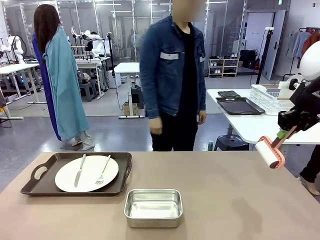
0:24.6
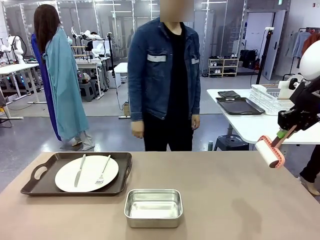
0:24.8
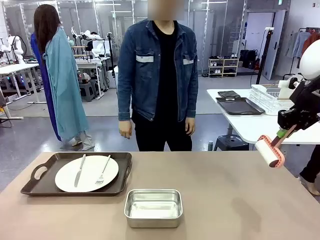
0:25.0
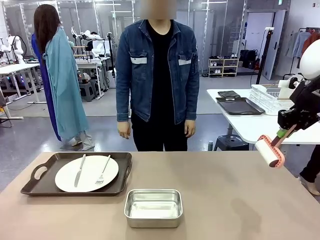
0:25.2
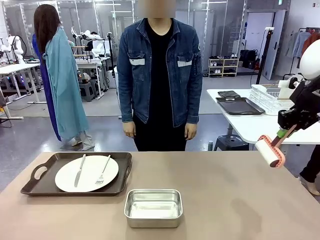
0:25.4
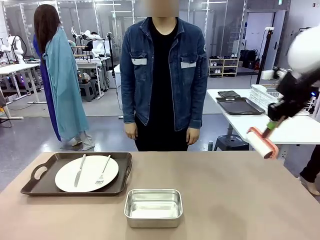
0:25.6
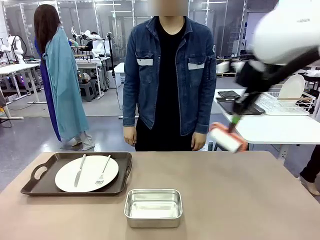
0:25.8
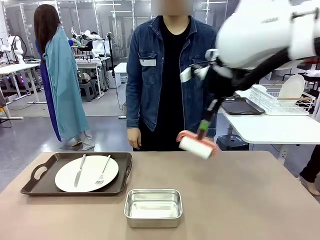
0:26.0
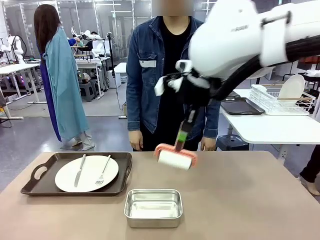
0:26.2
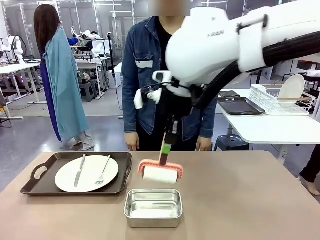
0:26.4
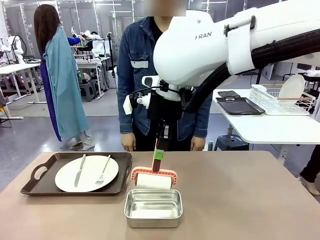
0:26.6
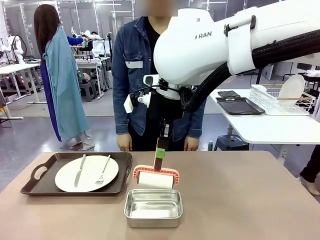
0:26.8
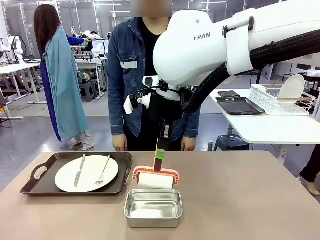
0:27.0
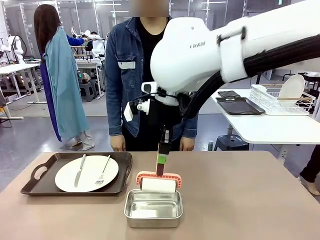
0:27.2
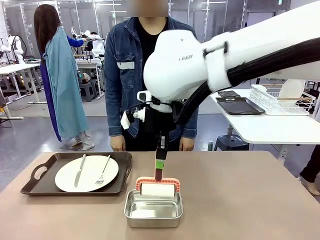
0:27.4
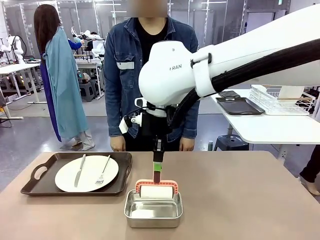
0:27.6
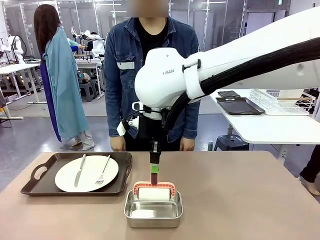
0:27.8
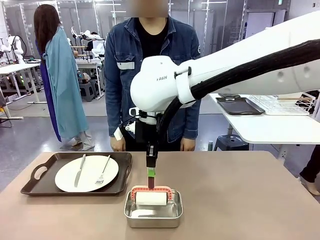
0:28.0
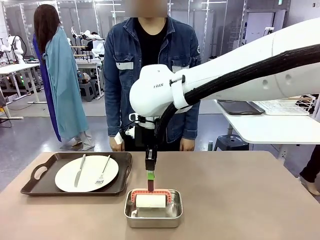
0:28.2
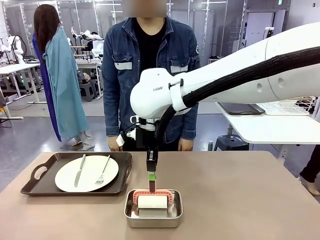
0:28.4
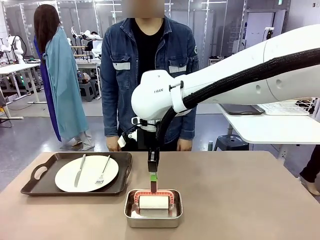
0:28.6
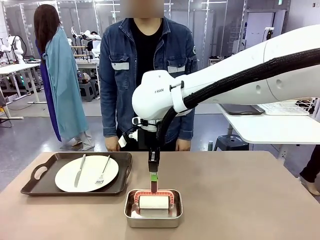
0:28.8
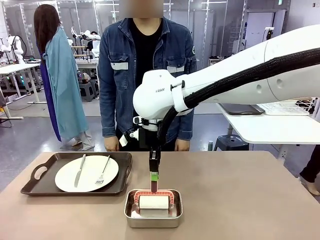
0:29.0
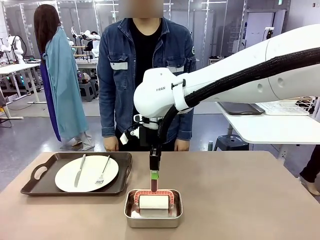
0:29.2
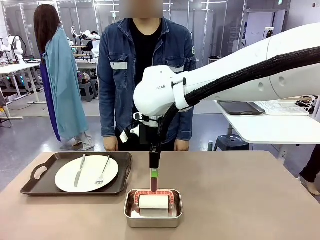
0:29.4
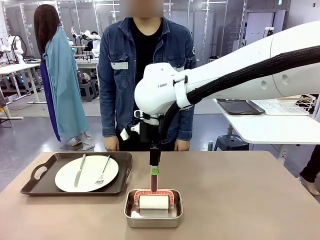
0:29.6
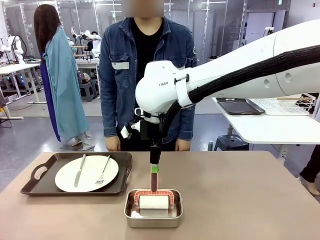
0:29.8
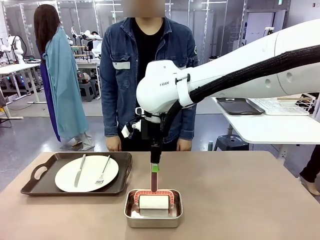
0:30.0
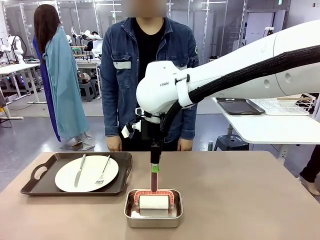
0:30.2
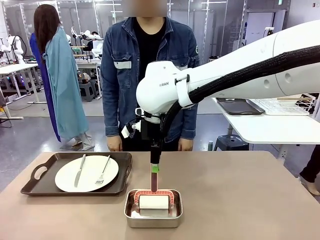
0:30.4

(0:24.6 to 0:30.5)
Robot: Place the Lint Roller back on top of the Airtight Container.

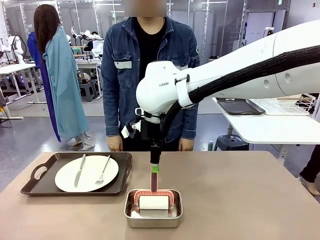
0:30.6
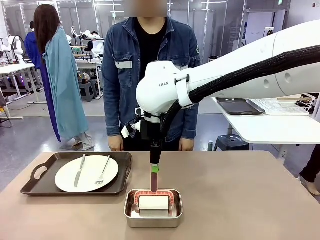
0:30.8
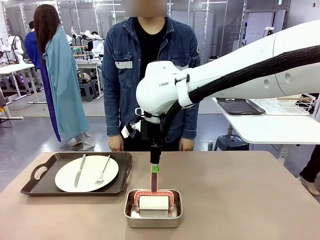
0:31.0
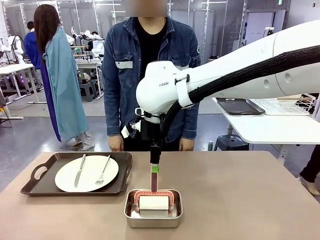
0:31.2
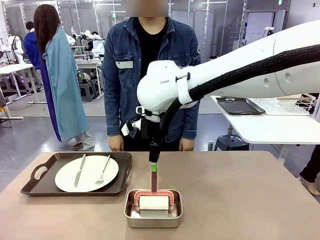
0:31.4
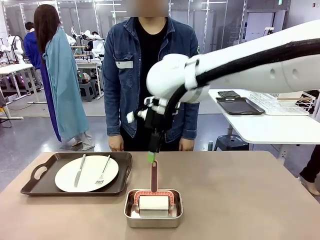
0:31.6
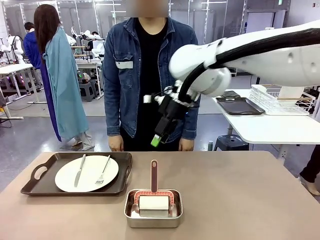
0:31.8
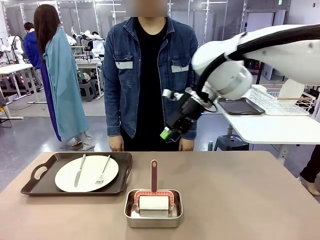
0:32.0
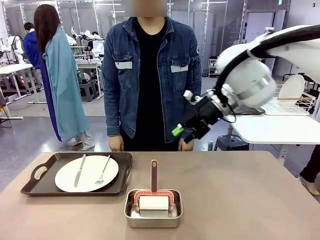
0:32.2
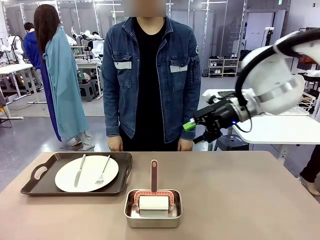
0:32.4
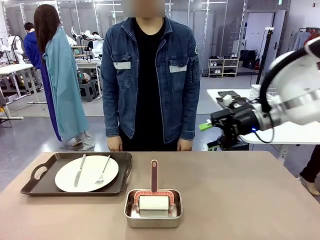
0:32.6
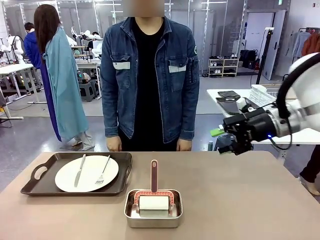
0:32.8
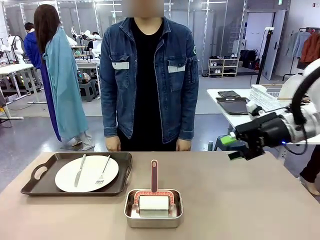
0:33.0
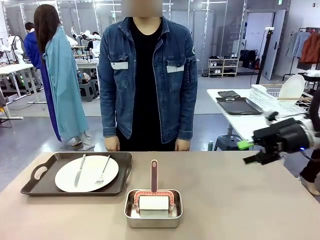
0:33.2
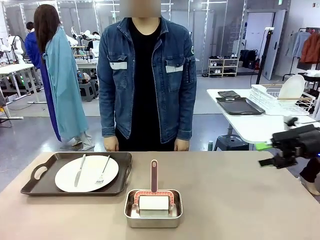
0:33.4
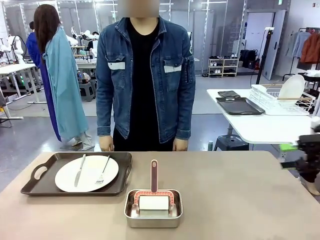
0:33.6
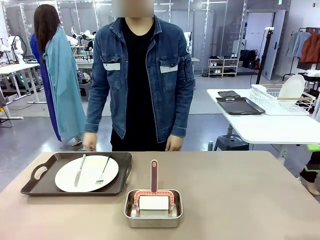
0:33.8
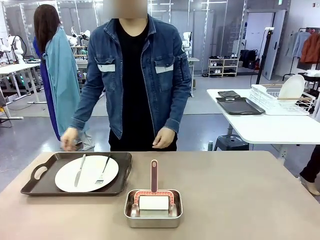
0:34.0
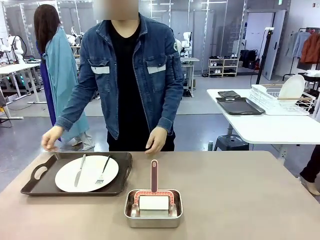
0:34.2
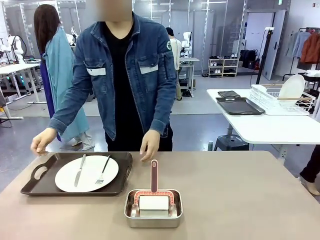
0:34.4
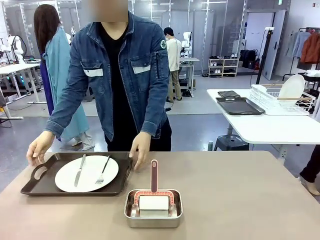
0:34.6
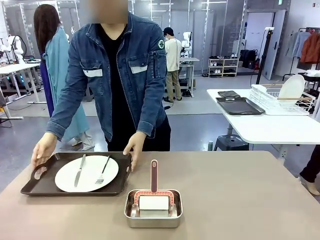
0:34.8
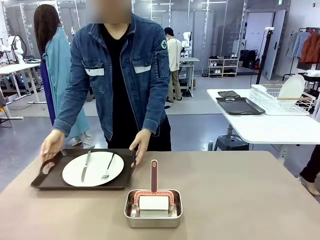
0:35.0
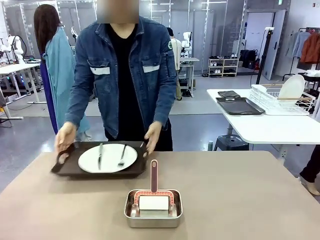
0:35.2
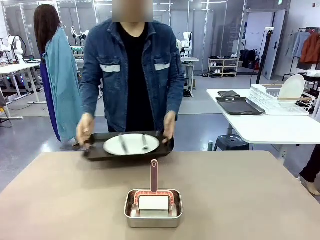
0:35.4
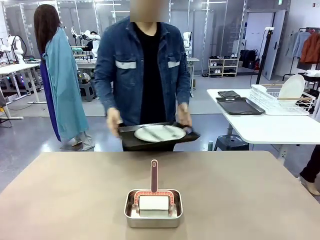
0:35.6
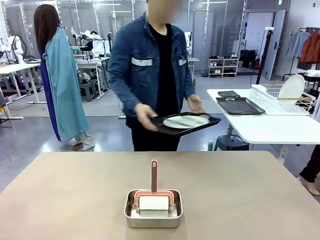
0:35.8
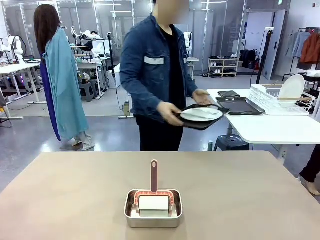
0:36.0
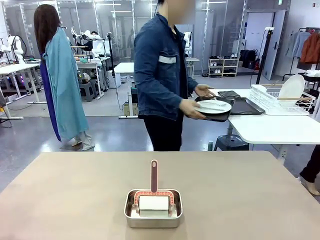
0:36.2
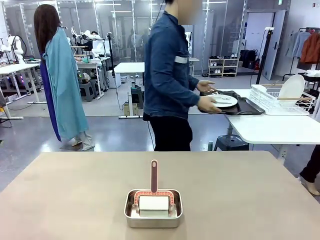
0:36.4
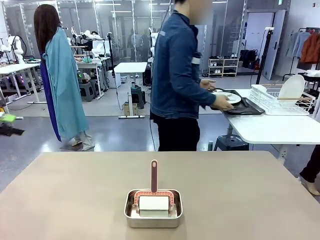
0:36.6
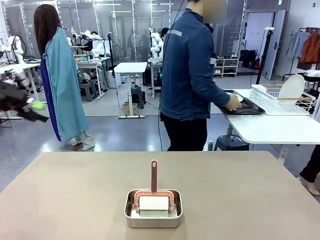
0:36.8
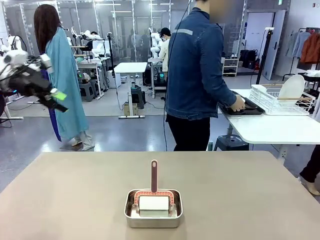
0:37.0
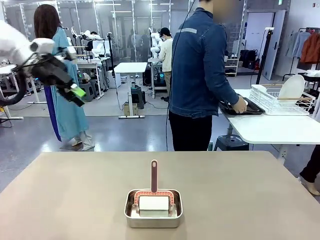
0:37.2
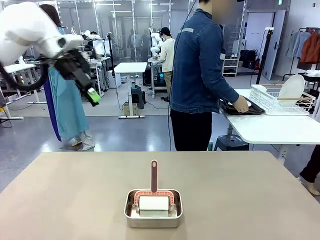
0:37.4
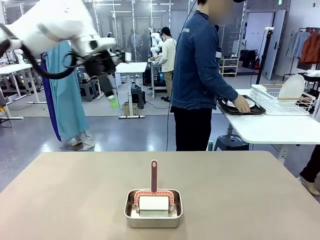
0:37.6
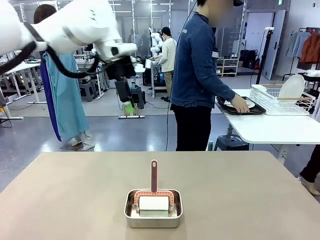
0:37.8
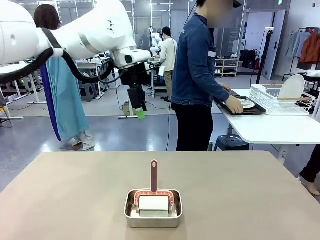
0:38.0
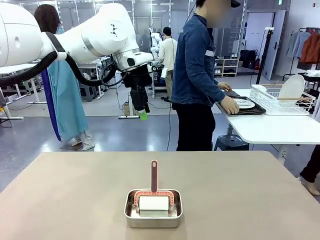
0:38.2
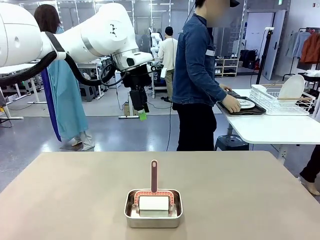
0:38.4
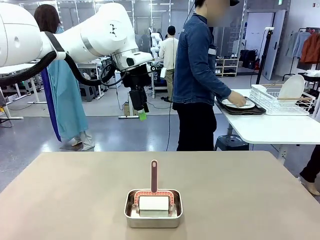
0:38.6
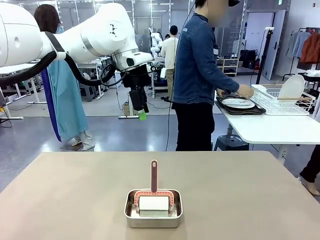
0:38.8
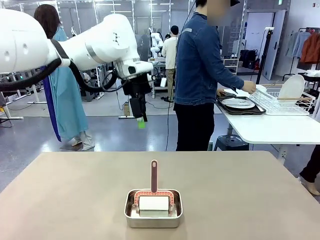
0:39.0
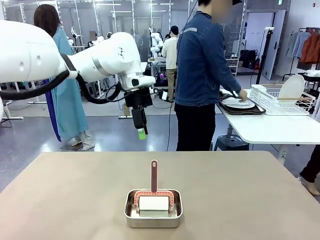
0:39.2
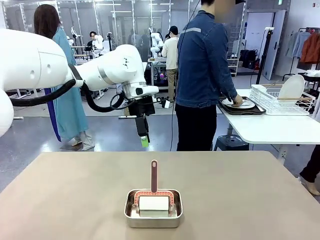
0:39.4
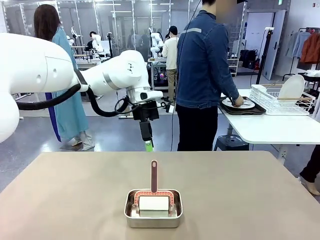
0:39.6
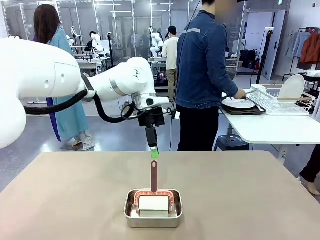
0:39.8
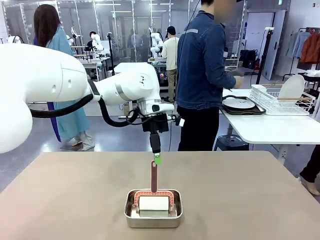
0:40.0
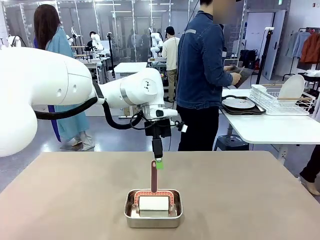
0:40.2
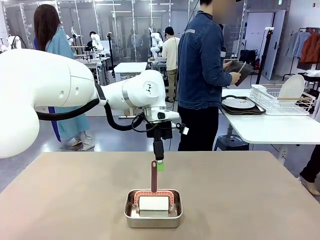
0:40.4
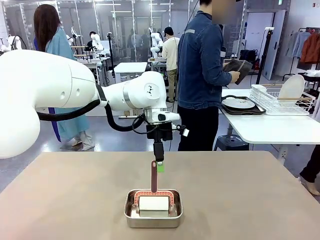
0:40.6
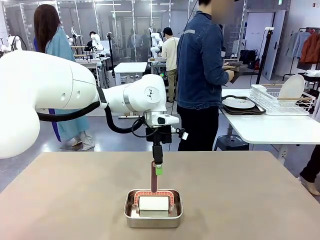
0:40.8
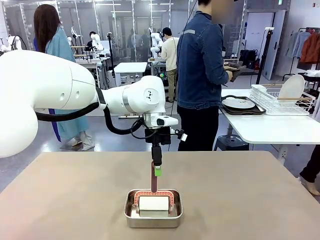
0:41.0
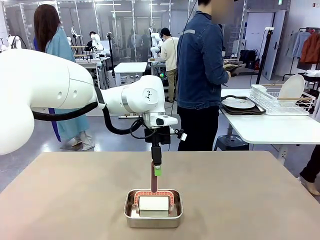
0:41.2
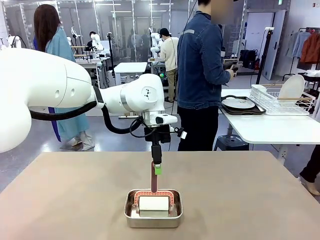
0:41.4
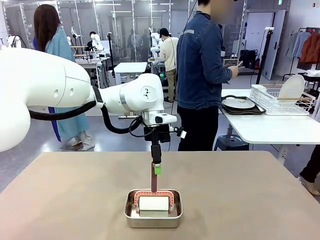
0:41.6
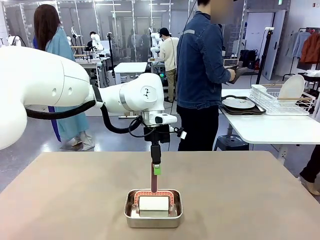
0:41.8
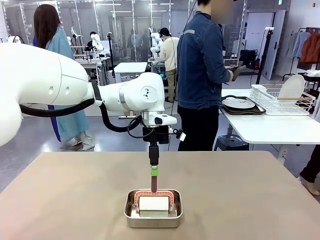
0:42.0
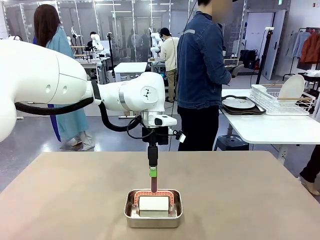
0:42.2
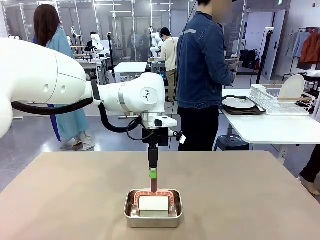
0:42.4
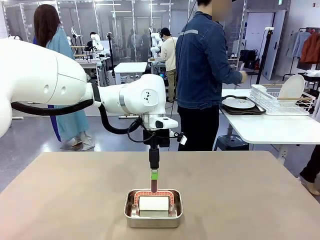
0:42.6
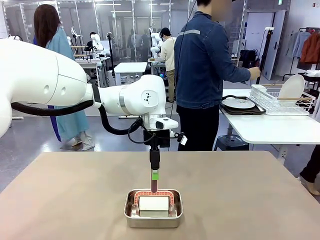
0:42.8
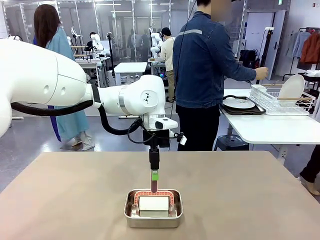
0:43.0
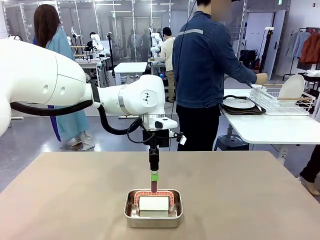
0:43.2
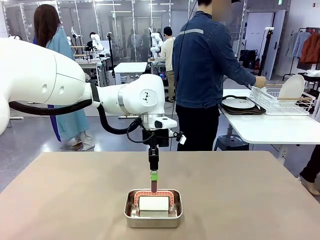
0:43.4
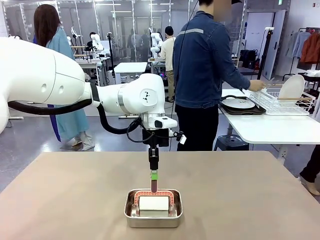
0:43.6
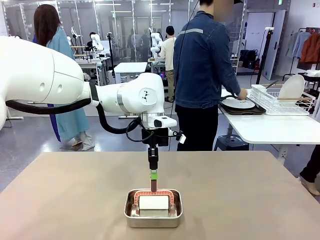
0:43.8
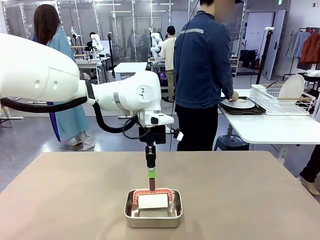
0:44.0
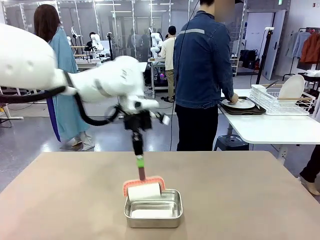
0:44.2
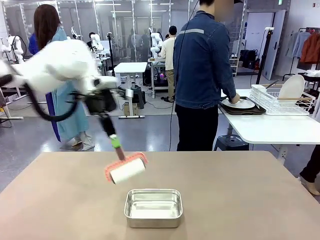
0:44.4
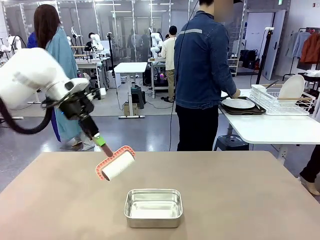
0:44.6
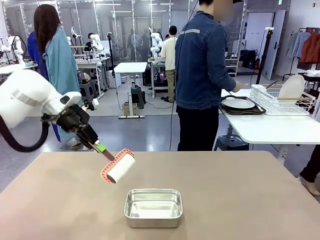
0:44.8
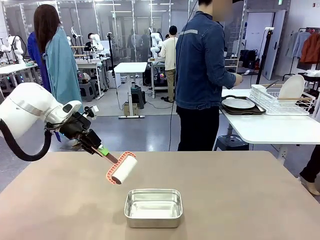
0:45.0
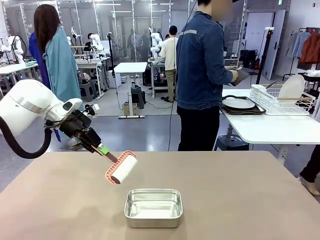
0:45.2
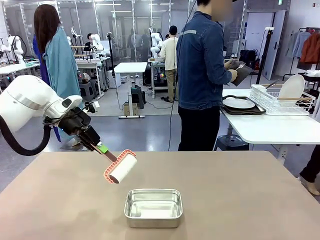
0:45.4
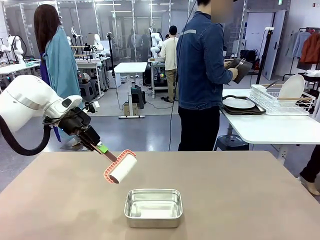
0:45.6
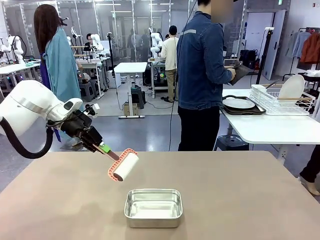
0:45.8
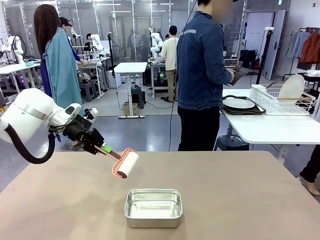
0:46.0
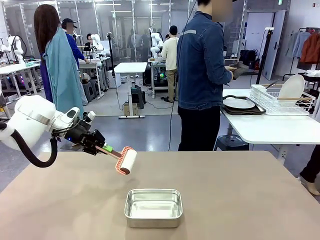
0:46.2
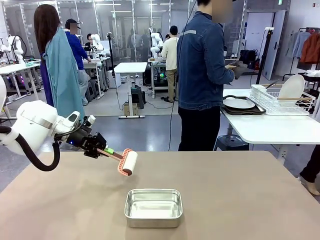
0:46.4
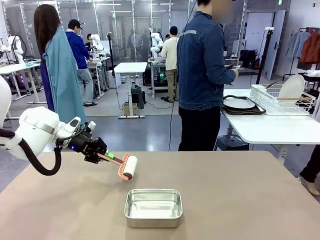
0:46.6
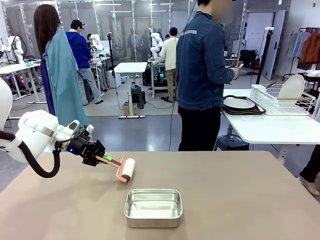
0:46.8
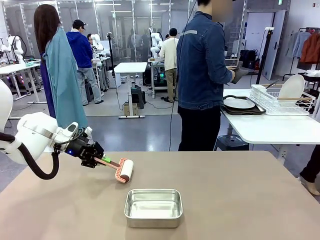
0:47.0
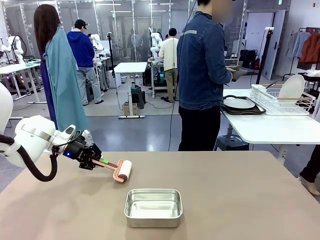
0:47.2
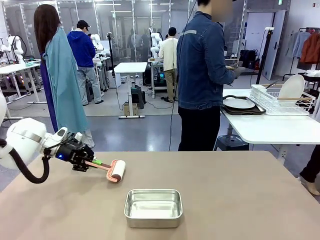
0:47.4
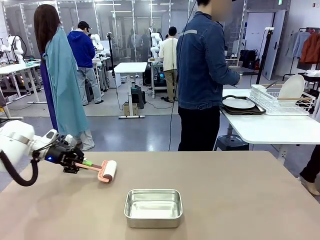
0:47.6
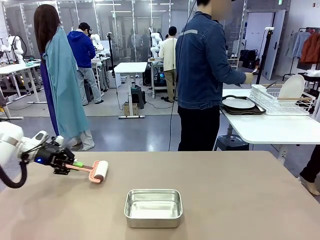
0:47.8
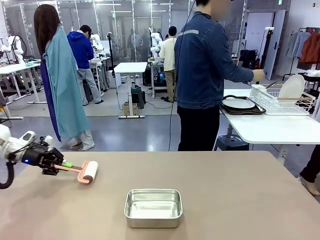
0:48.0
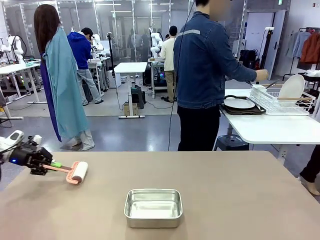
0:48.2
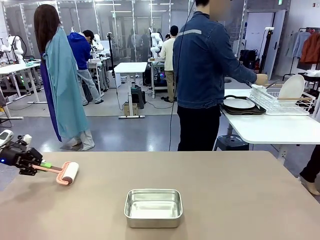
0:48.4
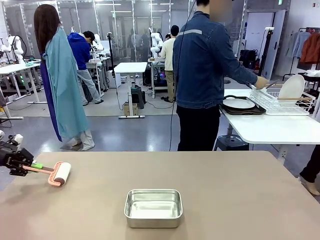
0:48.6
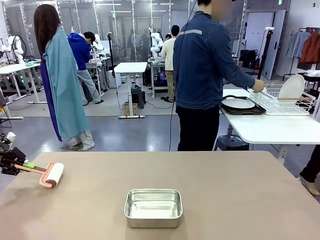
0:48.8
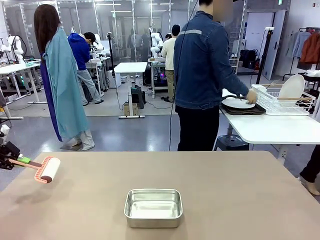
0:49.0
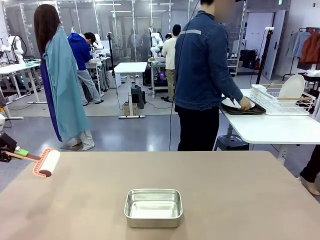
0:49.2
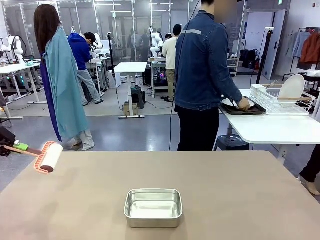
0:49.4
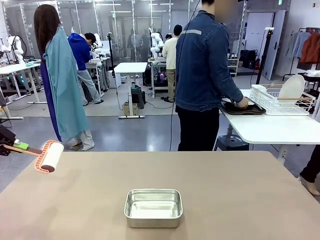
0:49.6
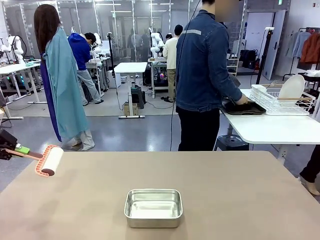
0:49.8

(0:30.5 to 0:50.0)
Robot: When the right (or left) Handle tray is removed, use the right hand (or left hand) to clean the right (or left) side of the table with the Lint Roller.
Person: Pick up the left (or right) Handle tray and place it on the Handle tray. Use the Towel with hook to wipe the Plastic Matte Plate , Fork , and Knife and place into the Dish drying rack.
